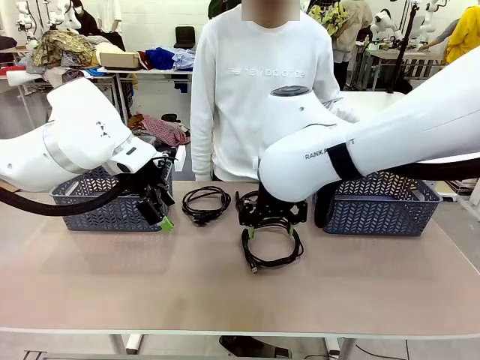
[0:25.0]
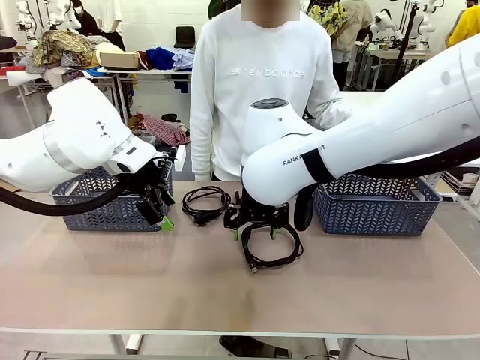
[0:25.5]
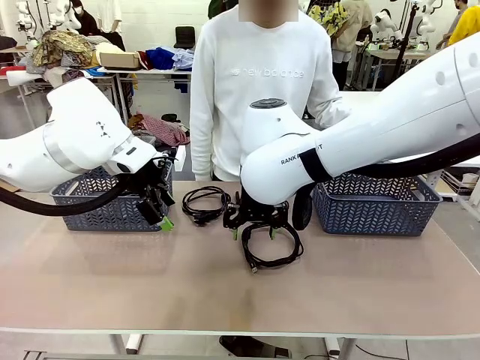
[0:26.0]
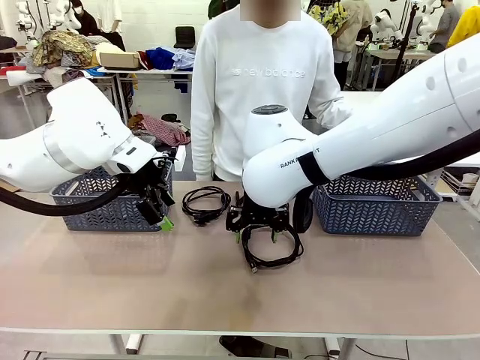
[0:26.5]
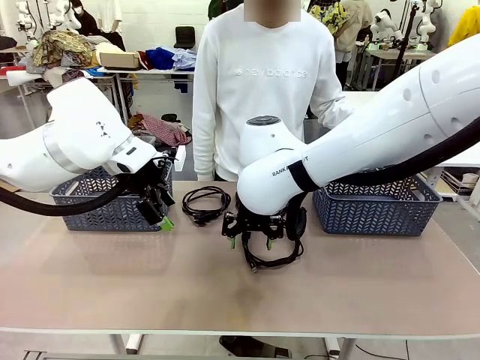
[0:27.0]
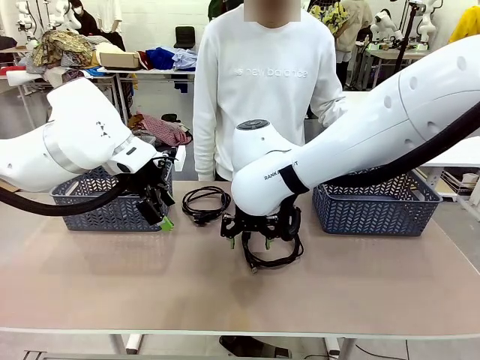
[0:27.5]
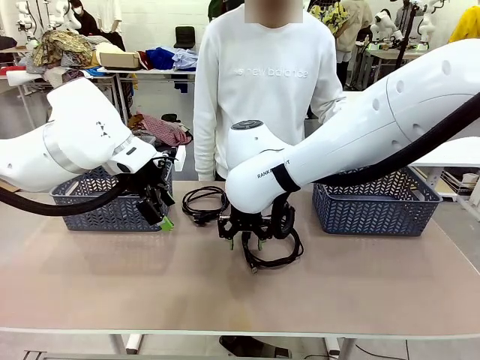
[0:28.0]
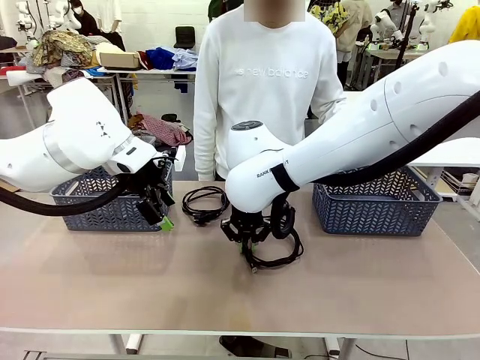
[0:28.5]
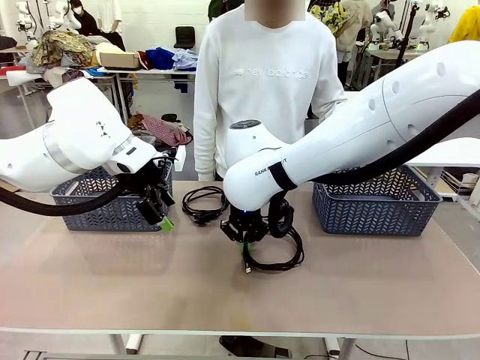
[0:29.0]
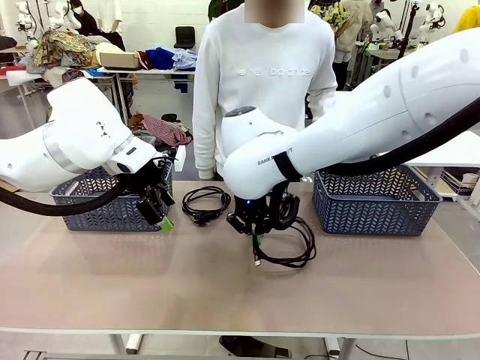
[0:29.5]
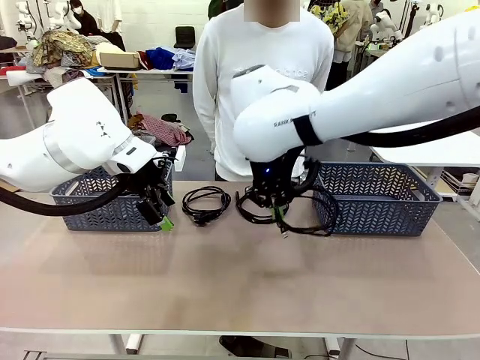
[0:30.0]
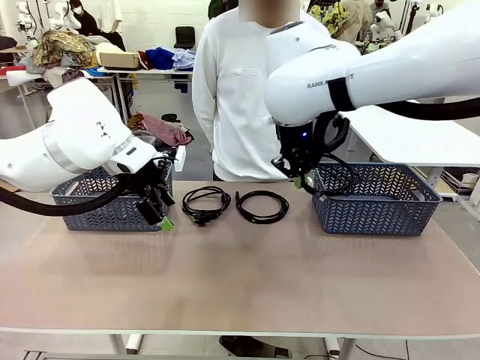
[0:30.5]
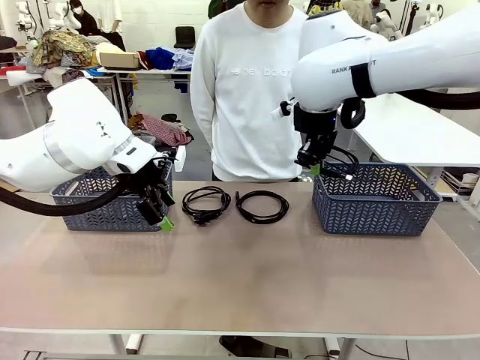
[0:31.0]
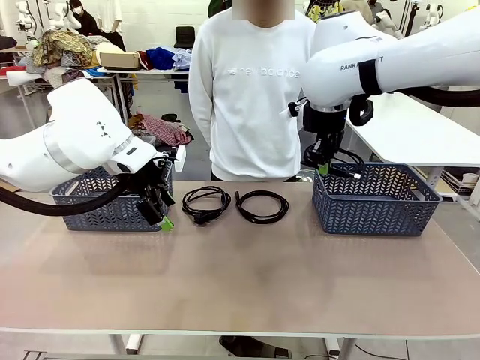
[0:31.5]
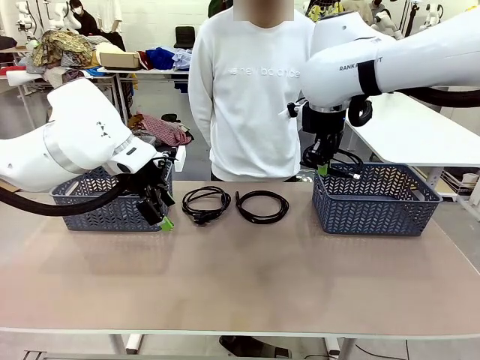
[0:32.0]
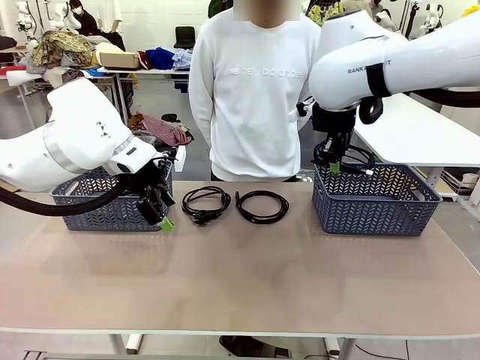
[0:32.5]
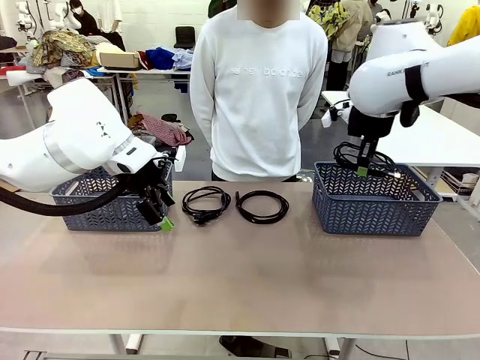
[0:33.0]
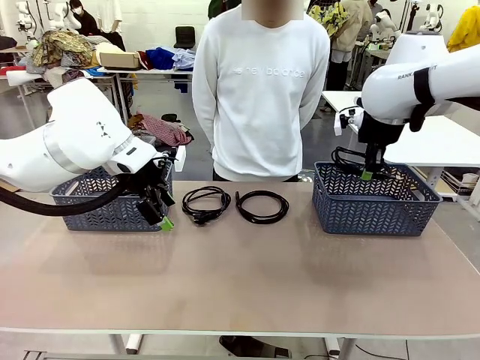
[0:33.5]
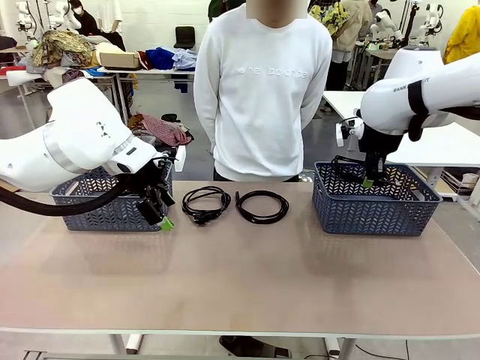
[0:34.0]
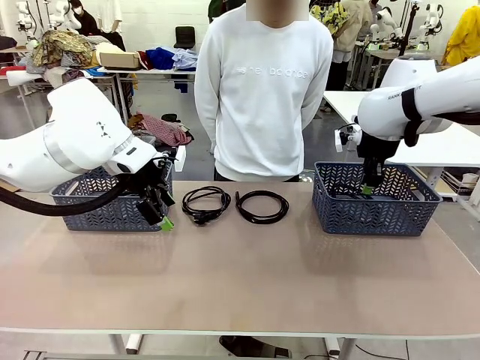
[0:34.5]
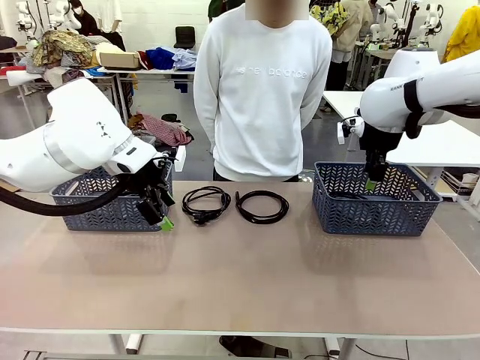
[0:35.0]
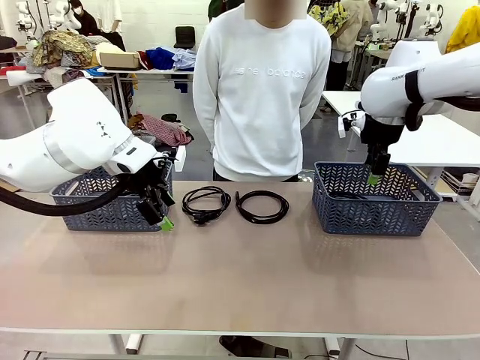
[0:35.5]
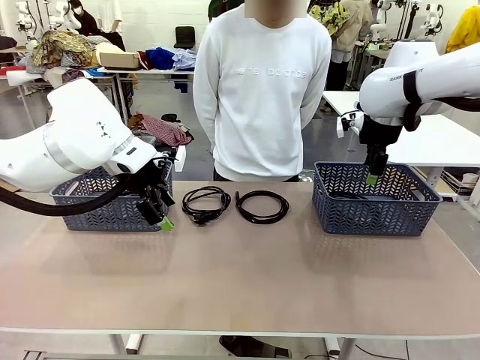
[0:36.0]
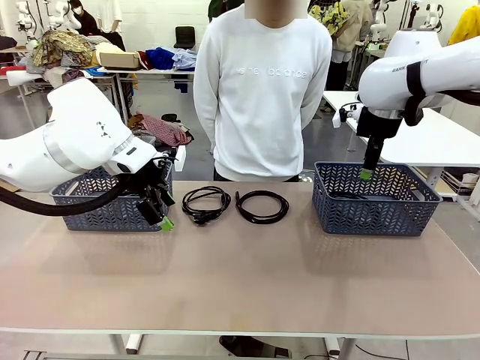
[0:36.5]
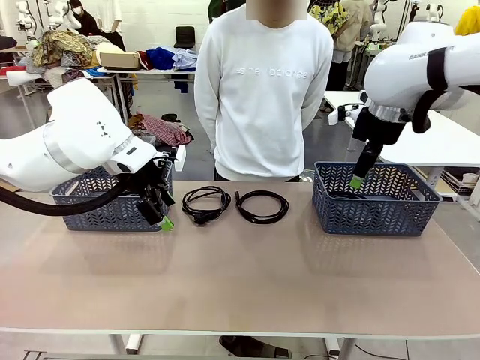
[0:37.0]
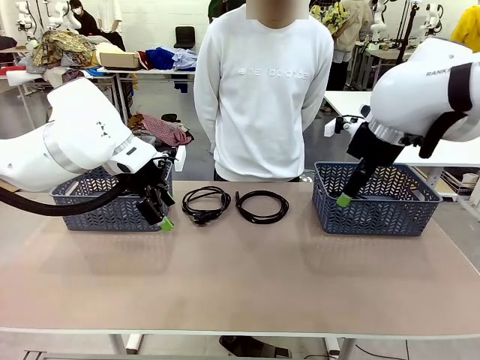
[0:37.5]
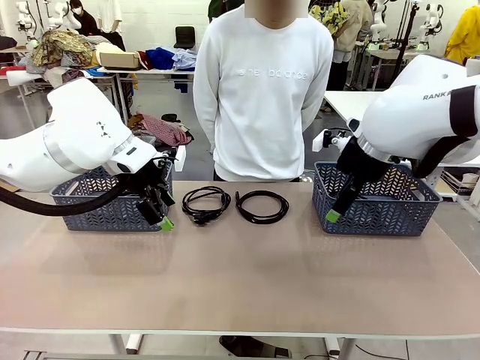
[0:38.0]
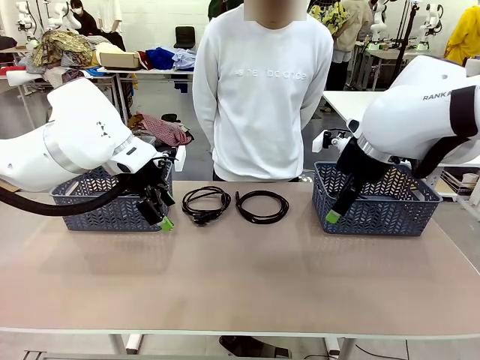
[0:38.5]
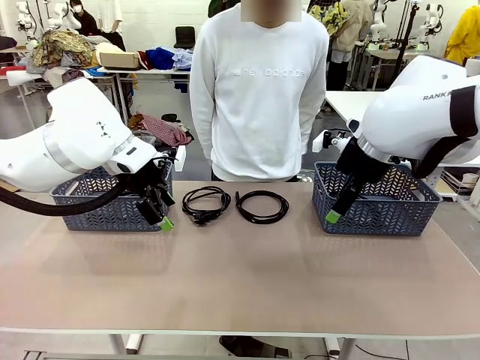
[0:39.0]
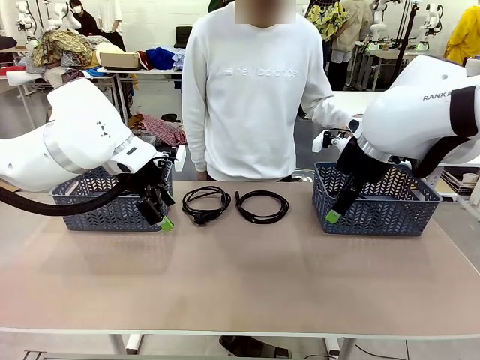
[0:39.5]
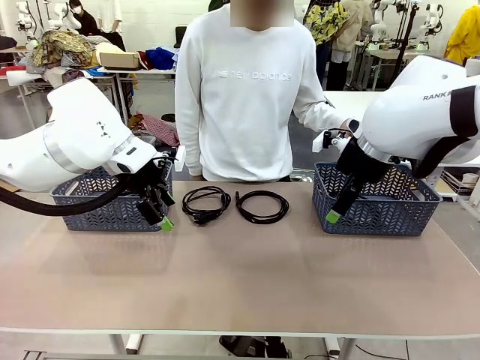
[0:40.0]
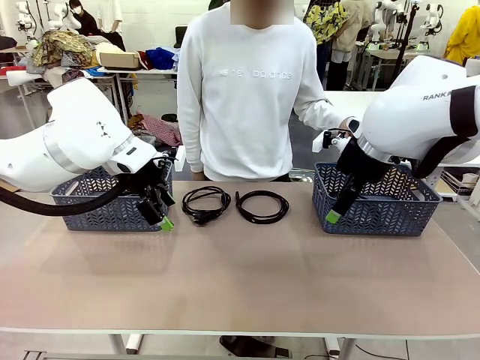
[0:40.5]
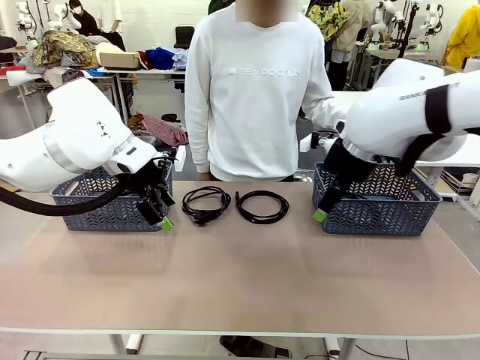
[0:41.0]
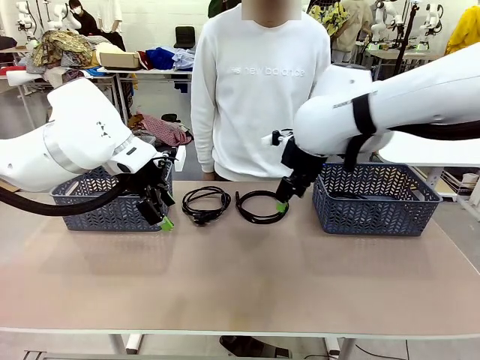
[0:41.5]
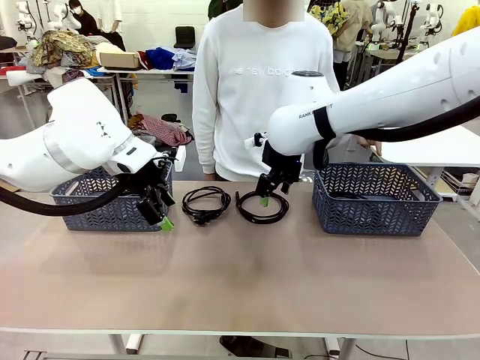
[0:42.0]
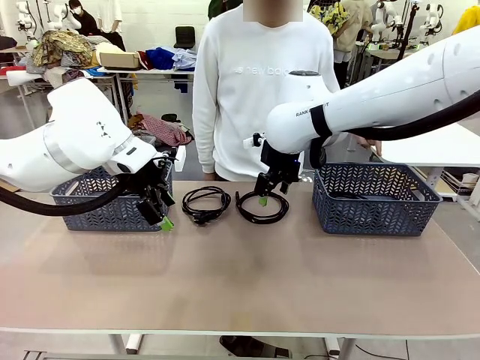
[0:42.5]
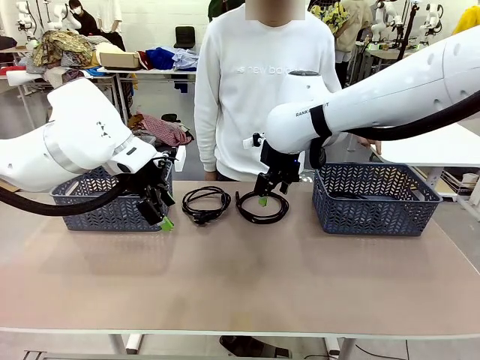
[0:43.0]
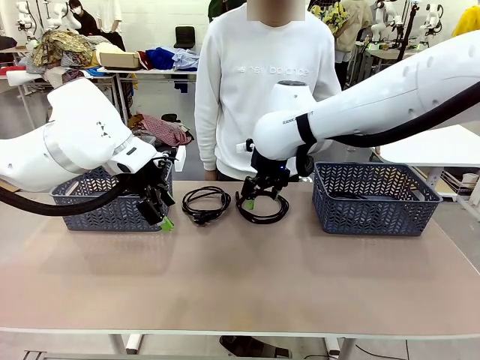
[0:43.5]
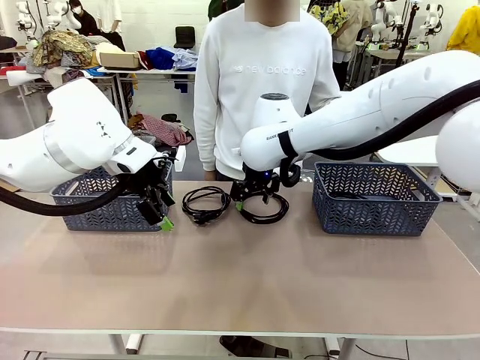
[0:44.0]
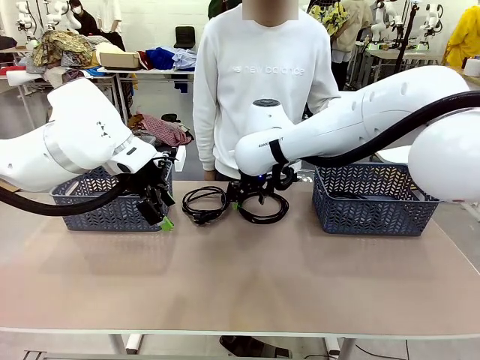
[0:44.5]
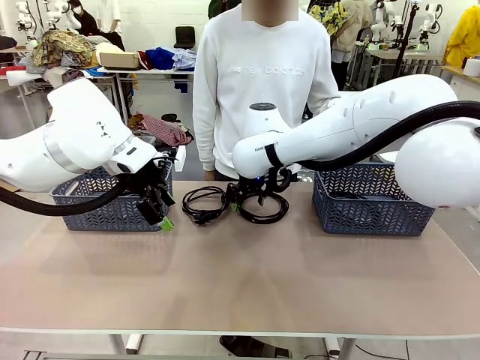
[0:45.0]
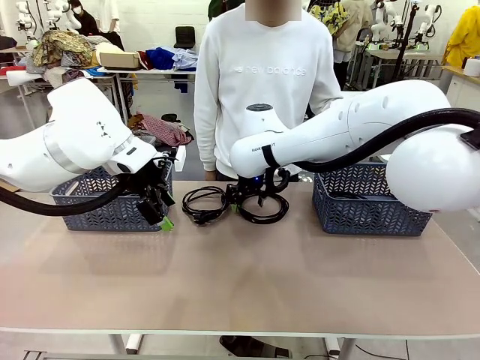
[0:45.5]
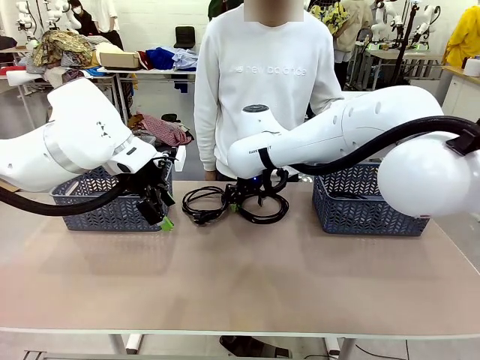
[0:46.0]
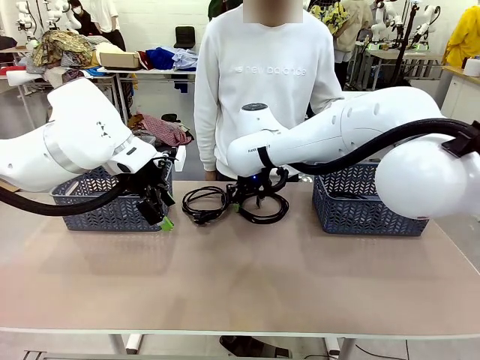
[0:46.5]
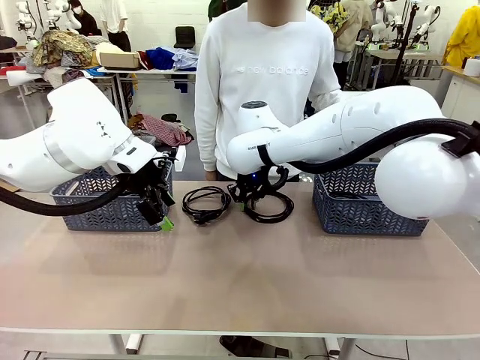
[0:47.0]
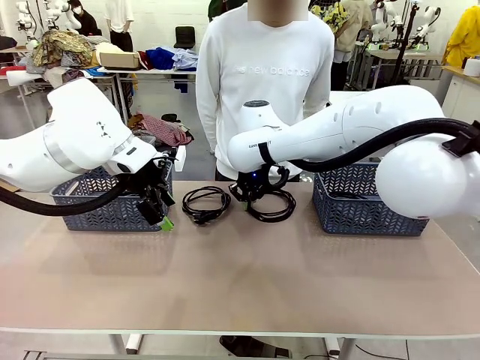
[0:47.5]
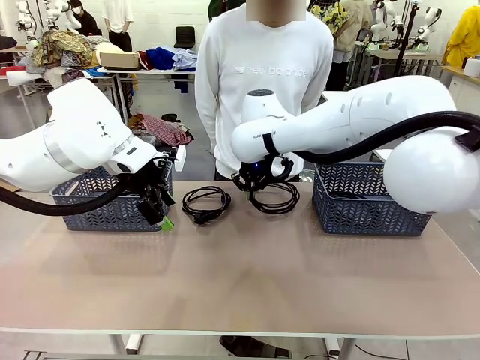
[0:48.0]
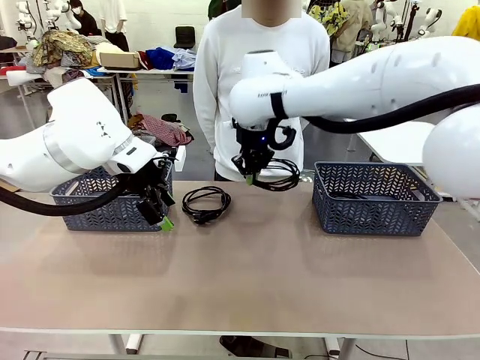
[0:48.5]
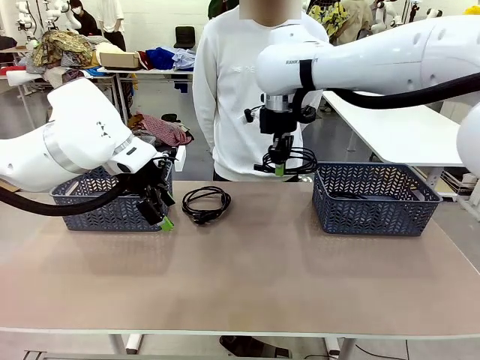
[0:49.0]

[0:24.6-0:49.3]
Task: Organize the cables according to human instructions.
Robot: Pick up a bundle of cables and place it in the basket indicated by the human.
